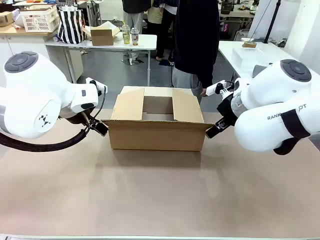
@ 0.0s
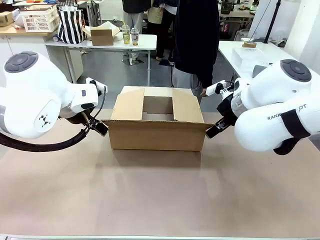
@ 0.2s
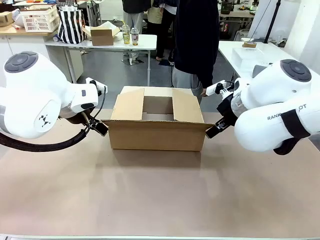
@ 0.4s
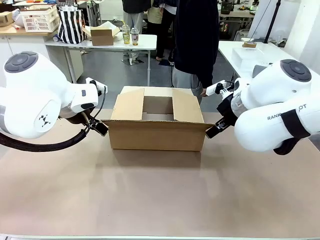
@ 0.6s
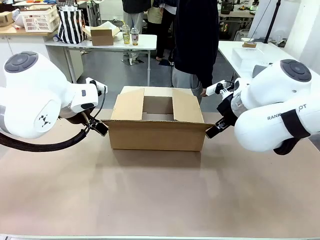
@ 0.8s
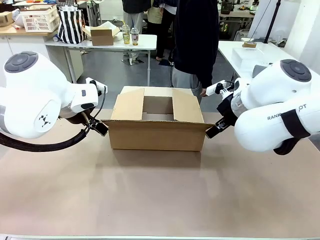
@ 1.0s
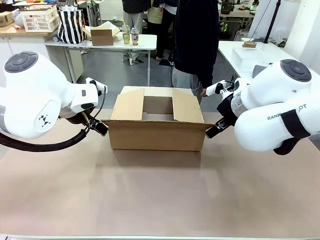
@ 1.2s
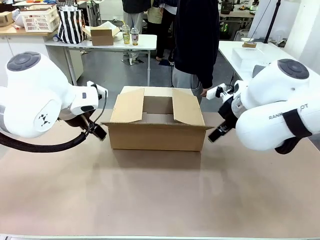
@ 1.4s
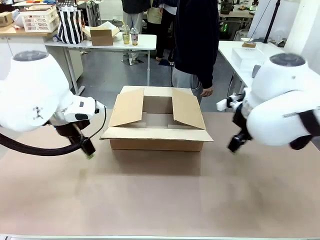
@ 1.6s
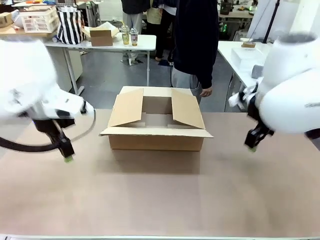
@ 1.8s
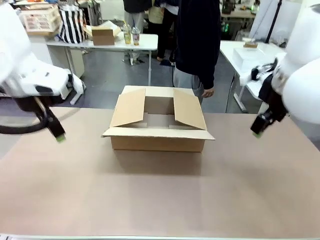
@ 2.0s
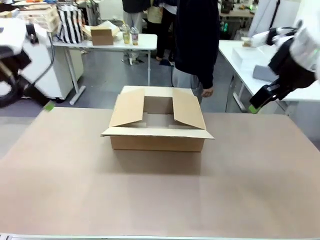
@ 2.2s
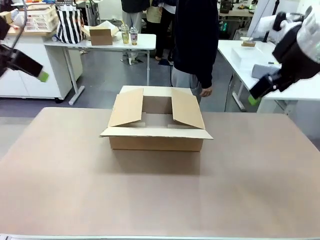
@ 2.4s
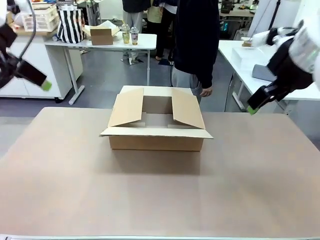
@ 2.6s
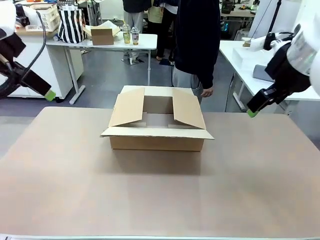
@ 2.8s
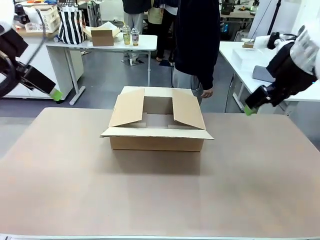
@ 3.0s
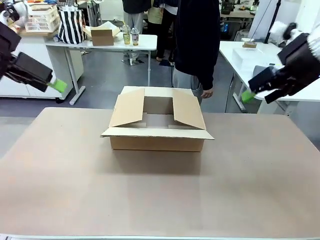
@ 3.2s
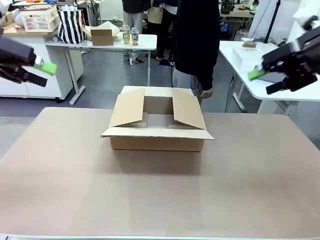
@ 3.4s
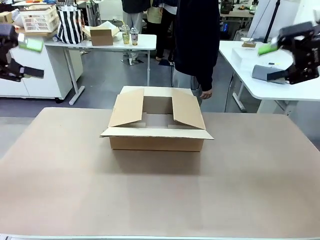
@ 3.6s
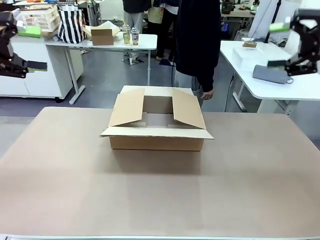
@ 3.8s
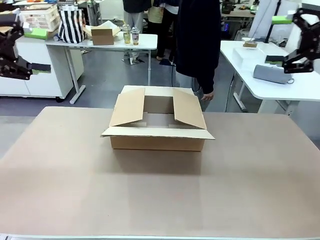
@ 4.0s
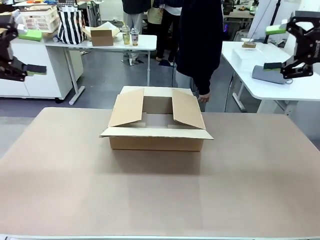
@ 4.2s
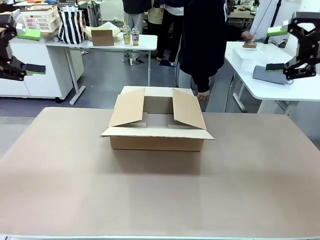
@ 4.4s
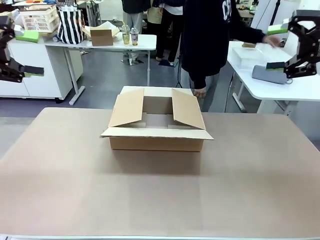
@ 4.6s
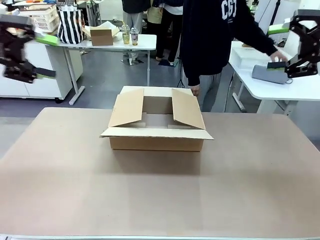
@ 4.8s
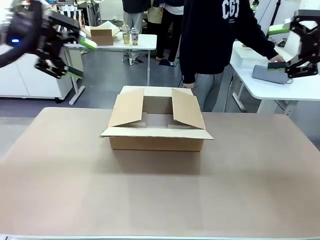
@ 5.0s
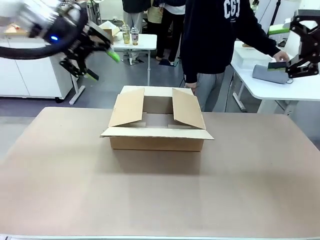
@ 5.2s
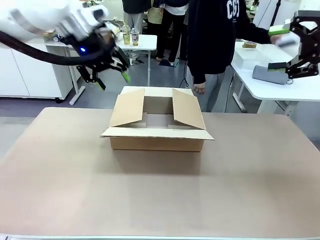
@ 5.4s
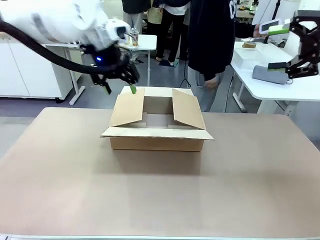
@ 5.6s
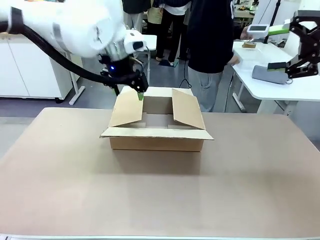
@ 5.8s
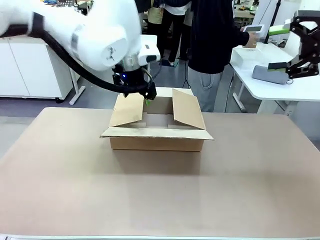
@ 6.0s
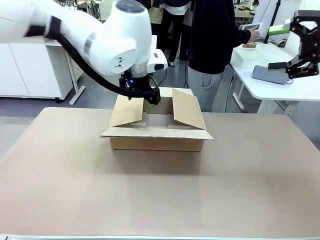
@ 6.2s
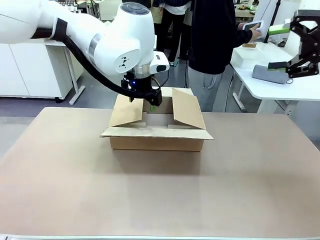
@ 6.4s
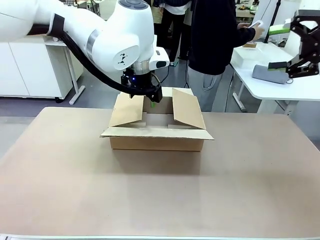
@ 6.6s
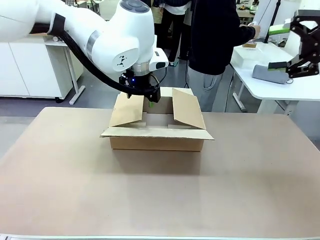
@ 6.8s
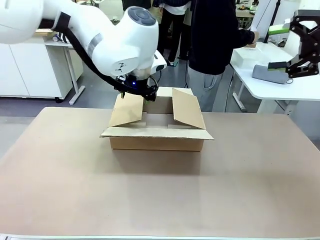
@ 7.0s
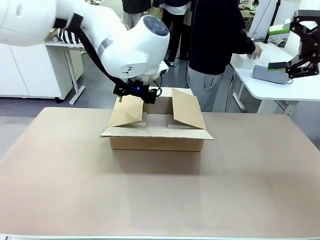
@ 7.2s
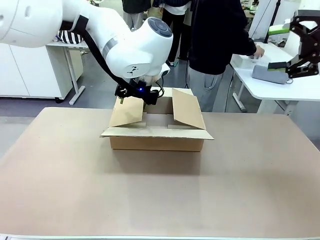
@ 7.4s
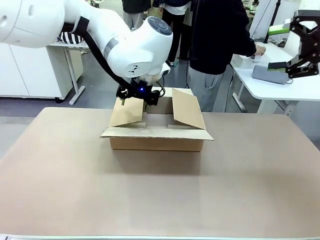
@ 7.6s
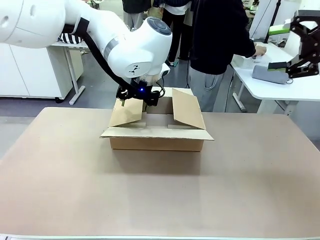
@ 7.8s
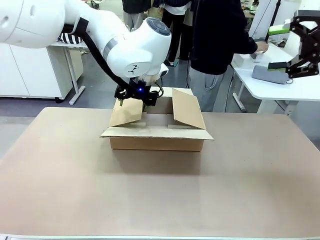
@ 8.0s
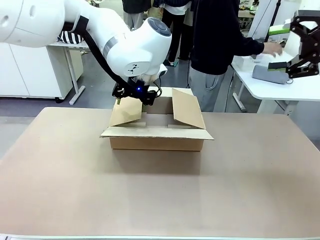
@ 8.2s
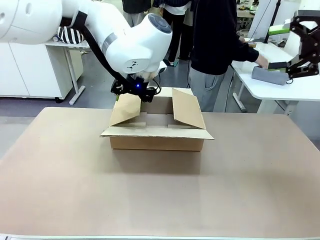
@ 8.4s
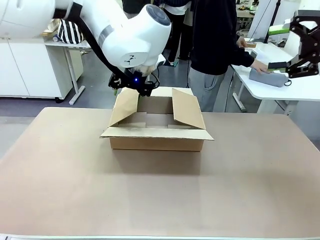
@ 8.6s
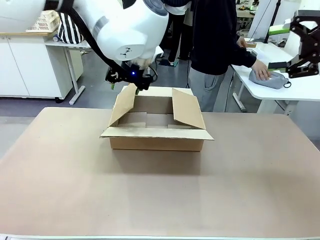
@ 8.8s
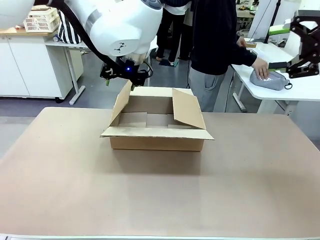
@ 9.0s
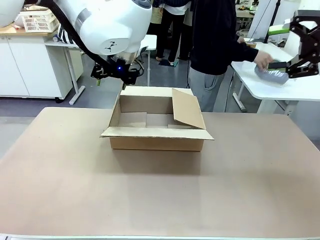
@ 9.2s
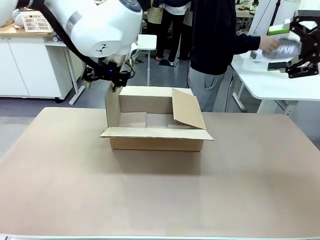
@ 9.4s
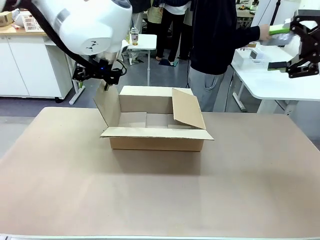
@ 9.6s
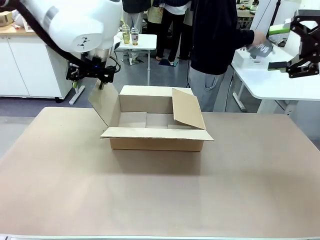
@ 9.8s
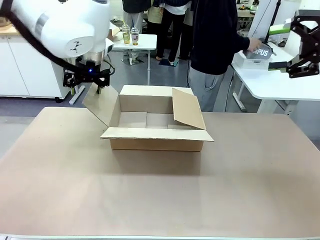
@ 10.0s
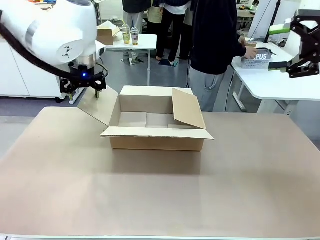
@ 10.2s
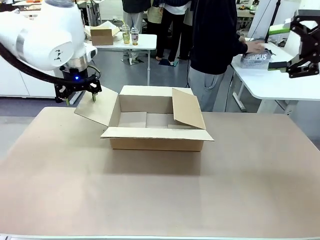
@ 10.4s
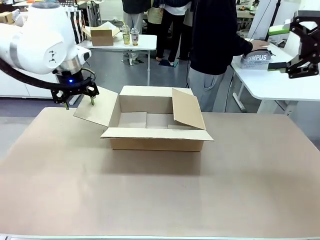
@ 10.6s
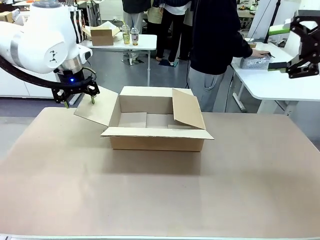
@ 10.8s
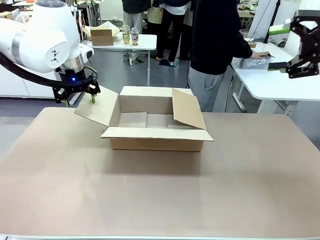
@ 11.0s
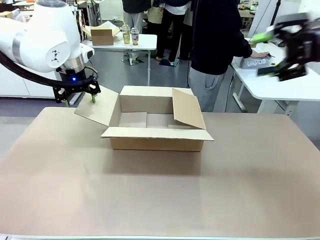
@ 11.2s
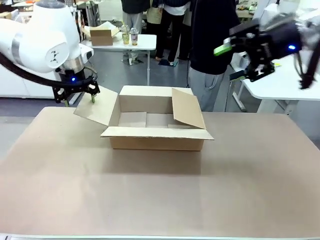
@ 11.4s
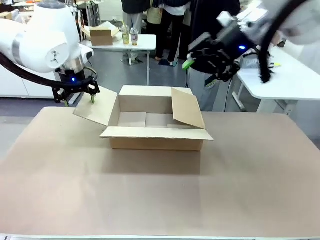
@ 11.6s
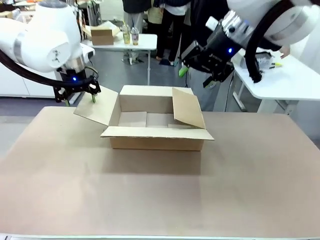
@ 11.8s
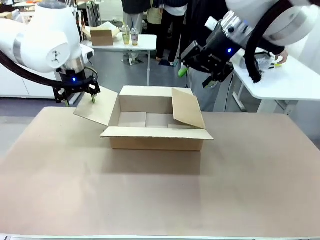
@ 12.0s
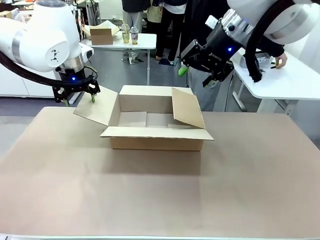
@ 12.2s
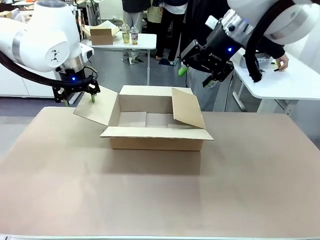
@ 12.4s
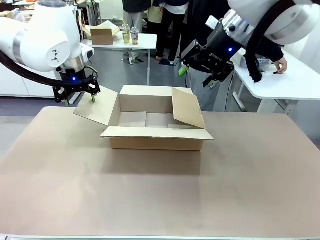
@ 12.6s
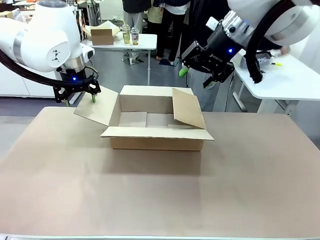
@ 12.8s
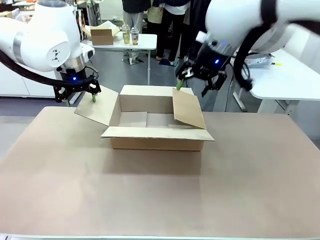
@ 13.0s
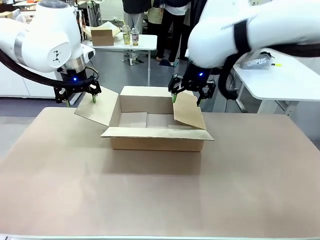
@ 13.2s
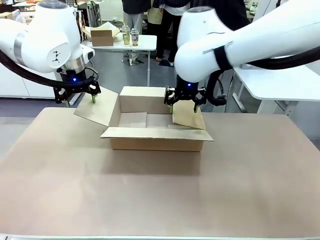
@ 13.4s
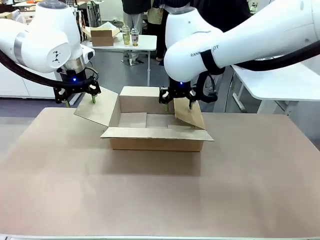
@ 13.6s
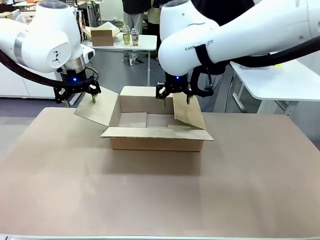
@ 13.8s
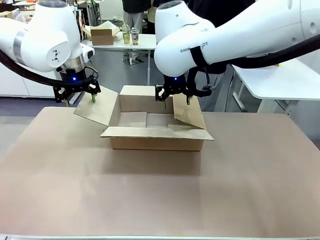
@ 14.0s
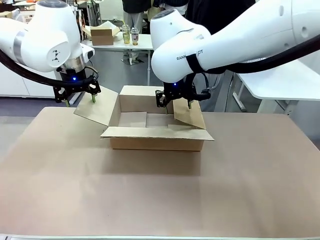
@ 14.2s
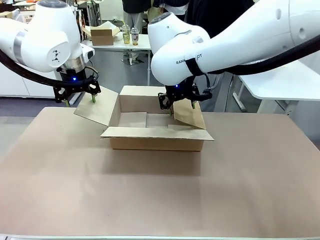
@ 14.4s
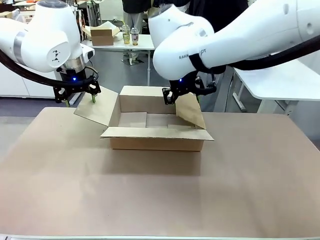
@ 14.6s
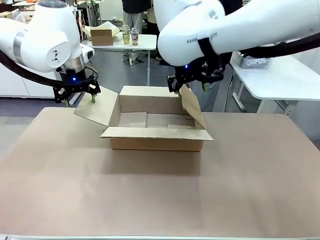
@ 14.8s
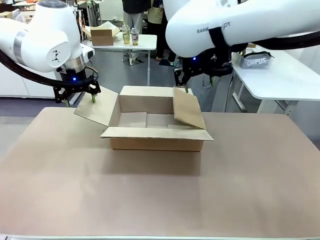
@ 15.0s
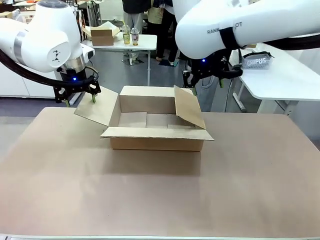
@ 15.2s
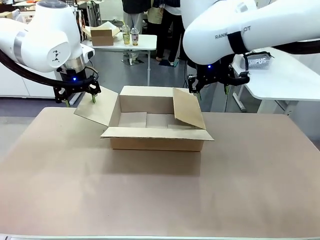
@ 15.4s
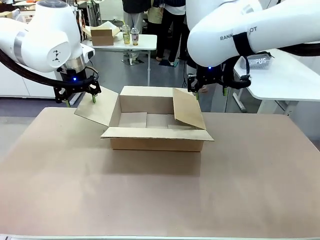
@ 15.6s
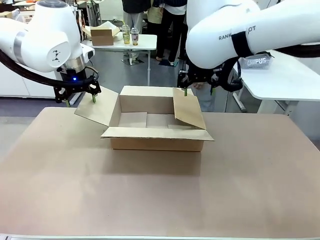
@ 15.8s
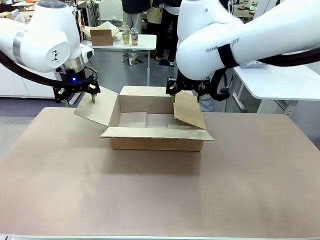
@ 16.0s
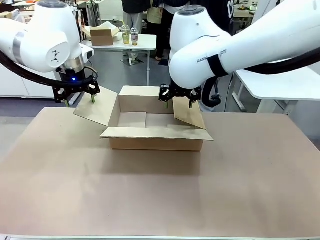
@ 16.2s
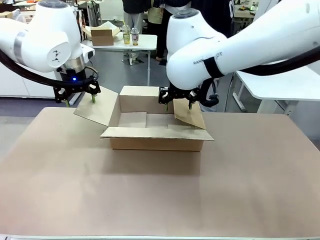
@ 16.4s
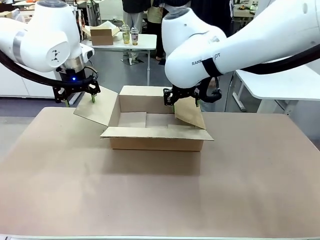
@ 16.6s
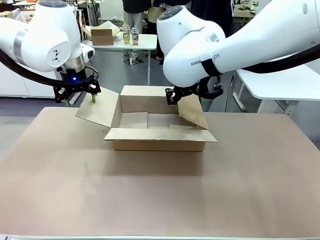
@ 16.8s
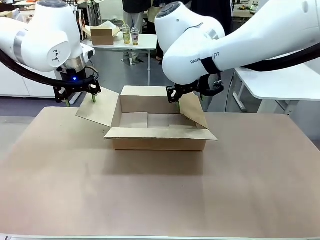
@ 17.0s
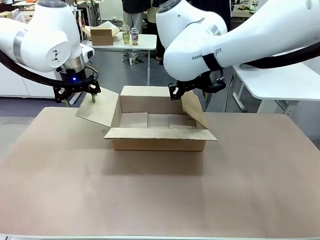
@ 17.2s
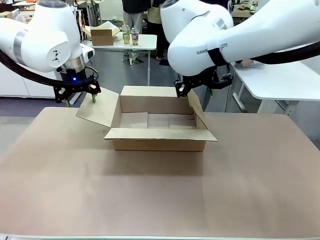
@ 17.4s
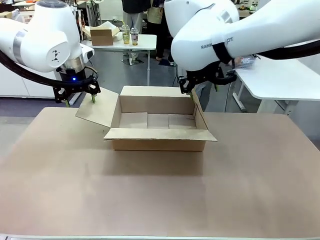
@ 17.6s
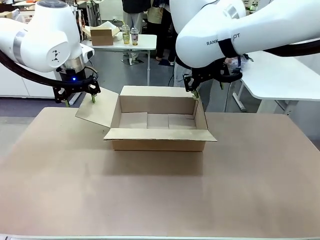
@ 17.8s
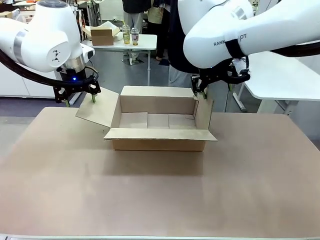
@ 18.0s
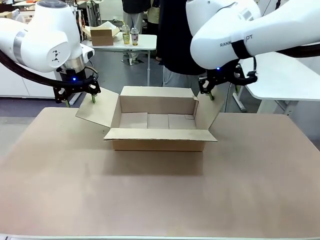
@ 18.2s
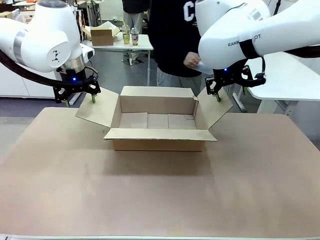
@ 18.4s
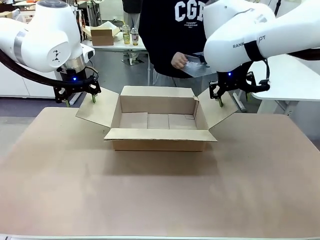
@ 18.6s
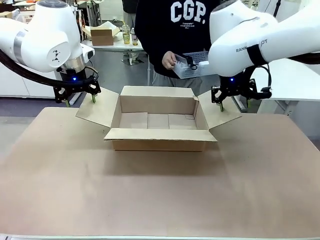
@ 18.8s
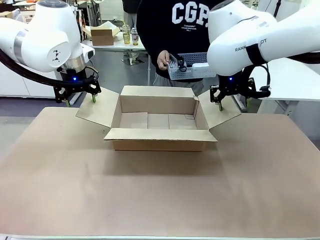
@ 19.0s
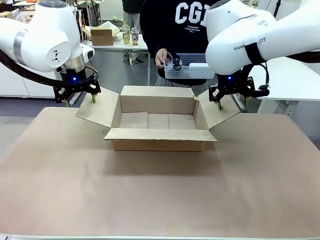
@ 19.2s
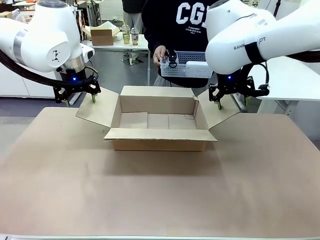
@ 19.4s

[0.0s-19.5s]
Task: Pack the gift set into the box.
Robot: Place both hands on the side flaps of the Package Box and spread them outward.
Person: The human places all items except the paper tape into the organizing basket.
